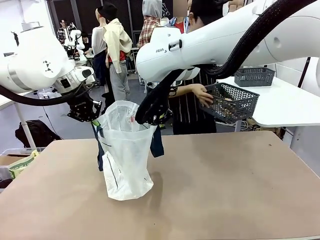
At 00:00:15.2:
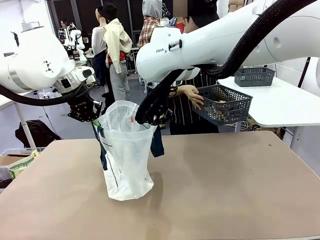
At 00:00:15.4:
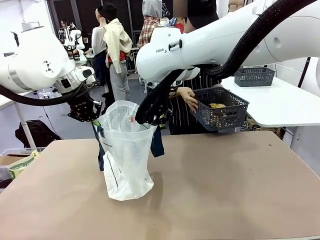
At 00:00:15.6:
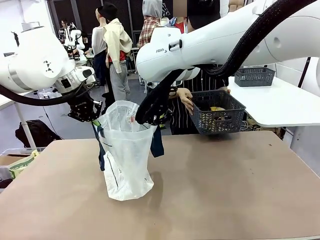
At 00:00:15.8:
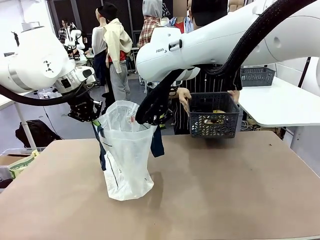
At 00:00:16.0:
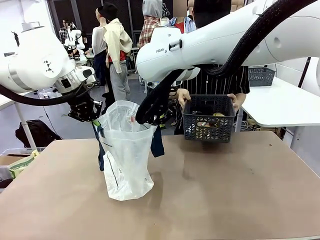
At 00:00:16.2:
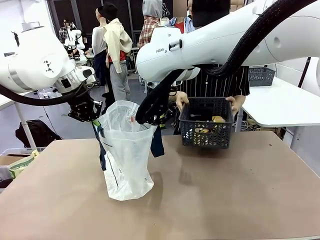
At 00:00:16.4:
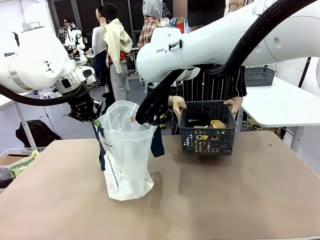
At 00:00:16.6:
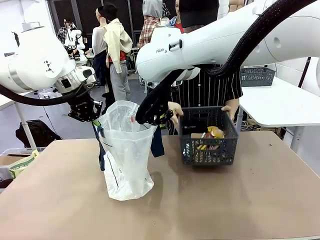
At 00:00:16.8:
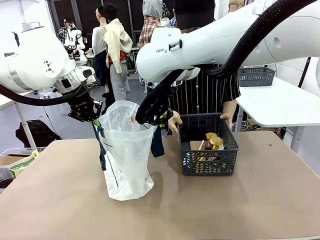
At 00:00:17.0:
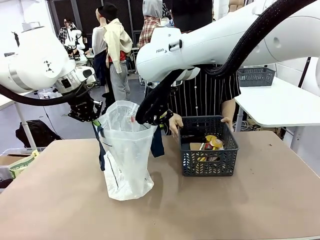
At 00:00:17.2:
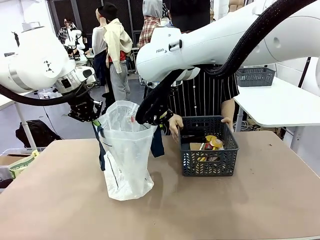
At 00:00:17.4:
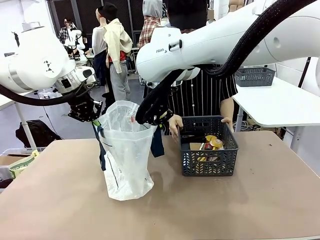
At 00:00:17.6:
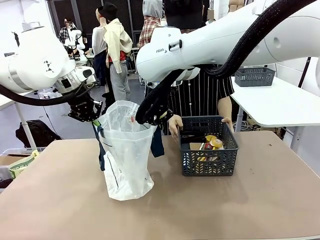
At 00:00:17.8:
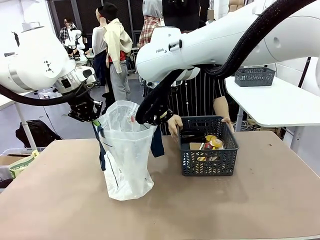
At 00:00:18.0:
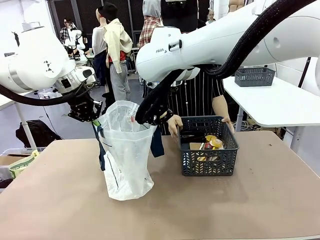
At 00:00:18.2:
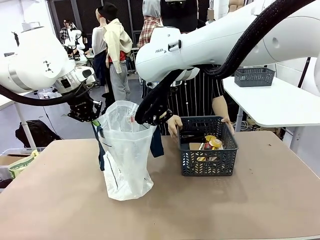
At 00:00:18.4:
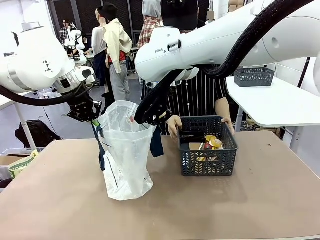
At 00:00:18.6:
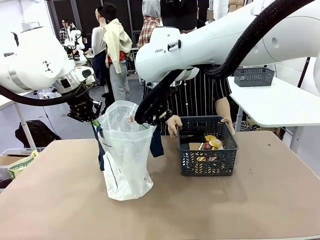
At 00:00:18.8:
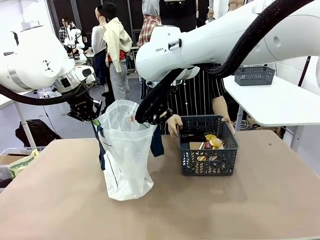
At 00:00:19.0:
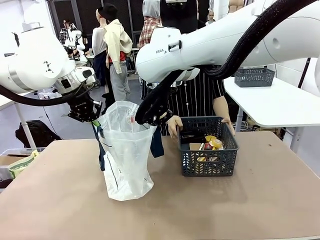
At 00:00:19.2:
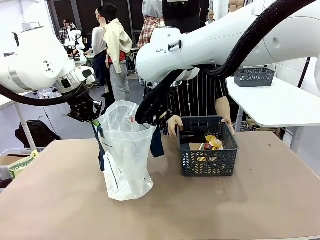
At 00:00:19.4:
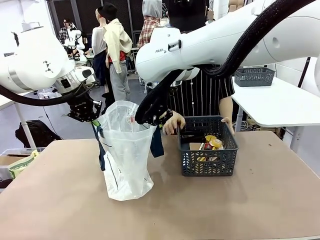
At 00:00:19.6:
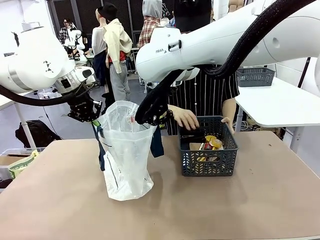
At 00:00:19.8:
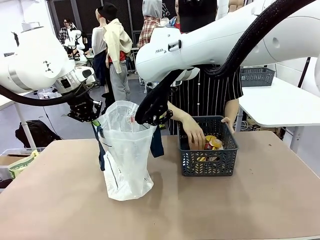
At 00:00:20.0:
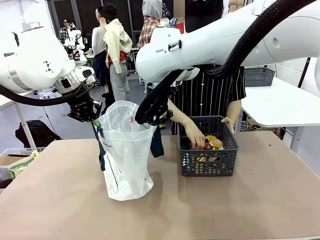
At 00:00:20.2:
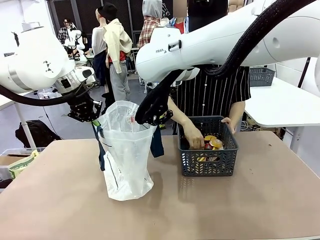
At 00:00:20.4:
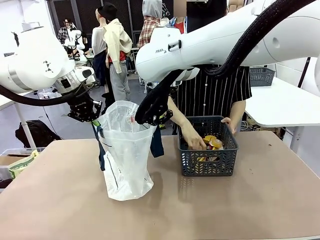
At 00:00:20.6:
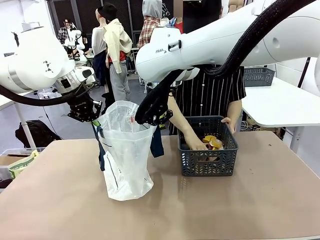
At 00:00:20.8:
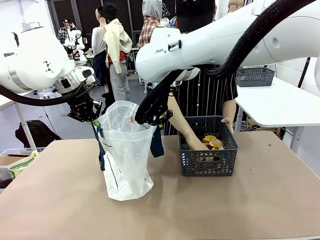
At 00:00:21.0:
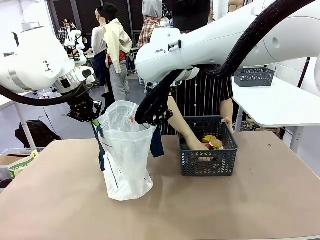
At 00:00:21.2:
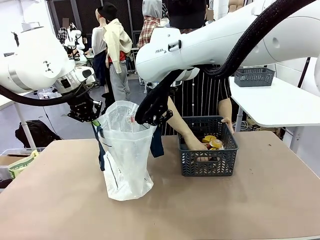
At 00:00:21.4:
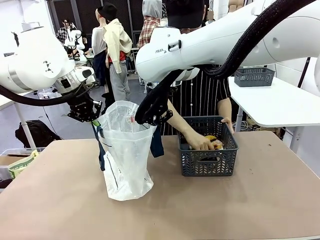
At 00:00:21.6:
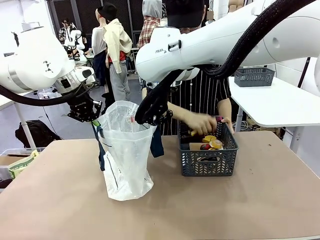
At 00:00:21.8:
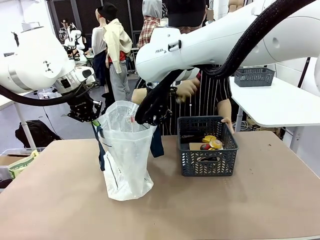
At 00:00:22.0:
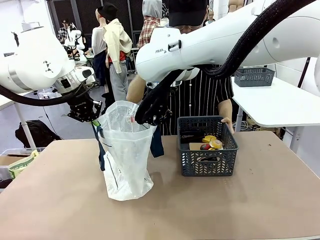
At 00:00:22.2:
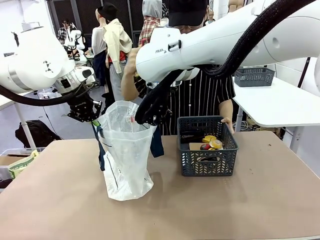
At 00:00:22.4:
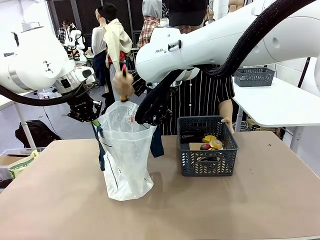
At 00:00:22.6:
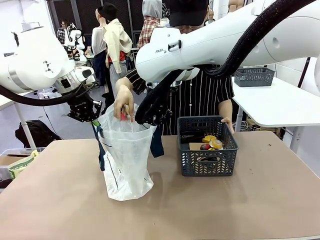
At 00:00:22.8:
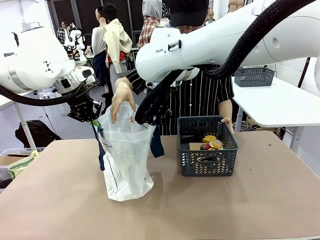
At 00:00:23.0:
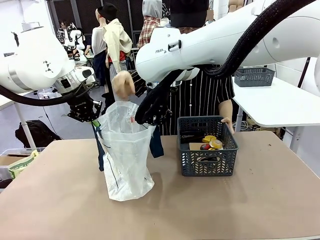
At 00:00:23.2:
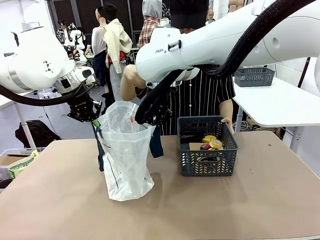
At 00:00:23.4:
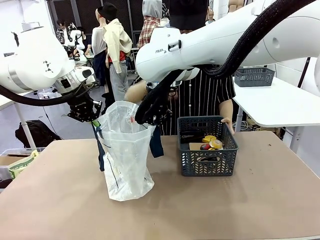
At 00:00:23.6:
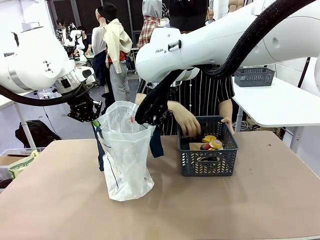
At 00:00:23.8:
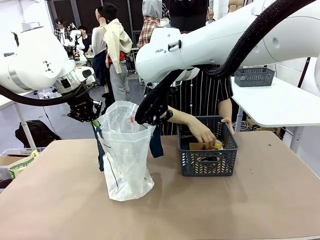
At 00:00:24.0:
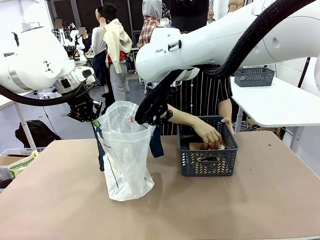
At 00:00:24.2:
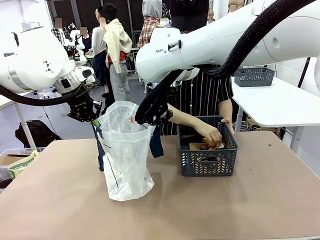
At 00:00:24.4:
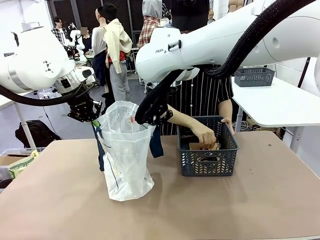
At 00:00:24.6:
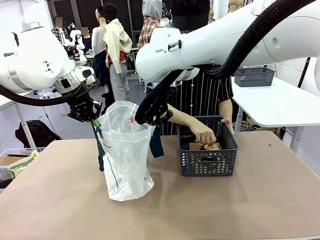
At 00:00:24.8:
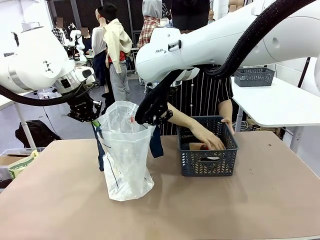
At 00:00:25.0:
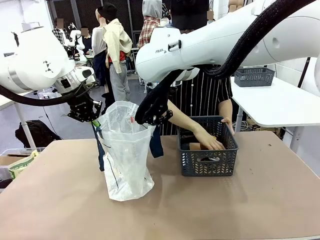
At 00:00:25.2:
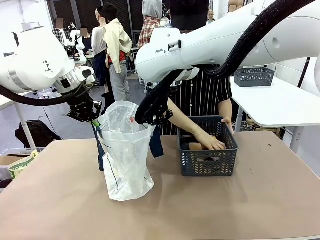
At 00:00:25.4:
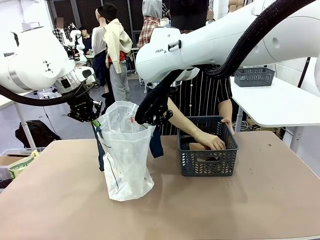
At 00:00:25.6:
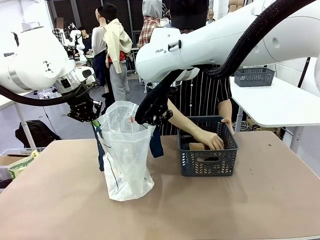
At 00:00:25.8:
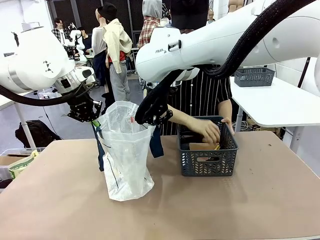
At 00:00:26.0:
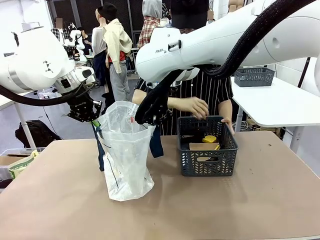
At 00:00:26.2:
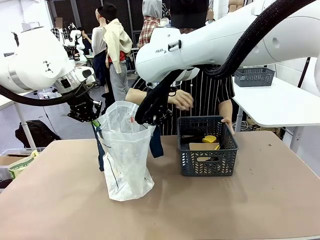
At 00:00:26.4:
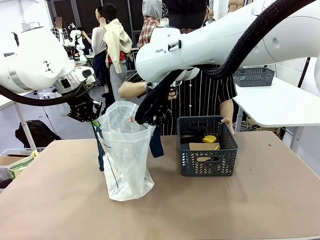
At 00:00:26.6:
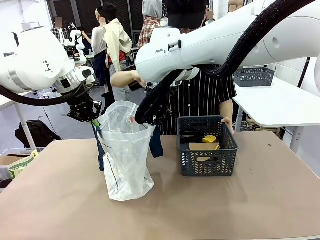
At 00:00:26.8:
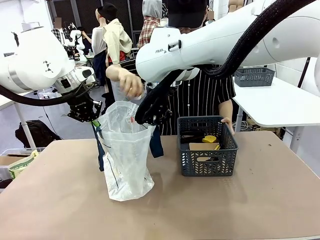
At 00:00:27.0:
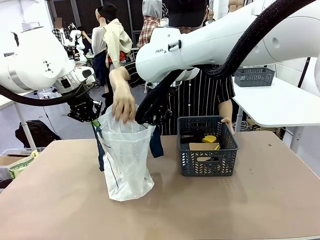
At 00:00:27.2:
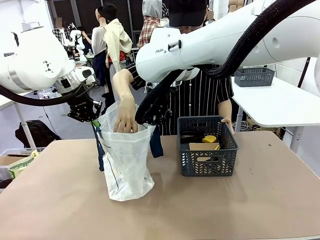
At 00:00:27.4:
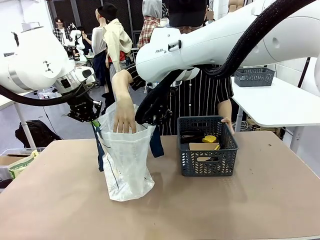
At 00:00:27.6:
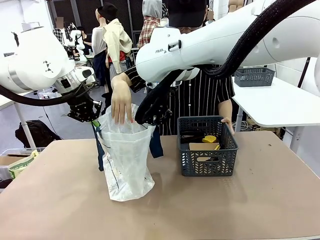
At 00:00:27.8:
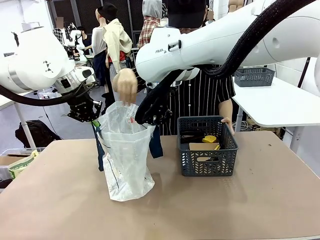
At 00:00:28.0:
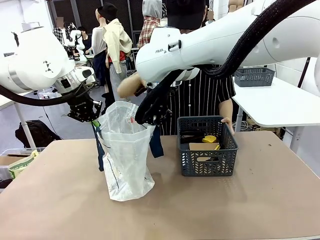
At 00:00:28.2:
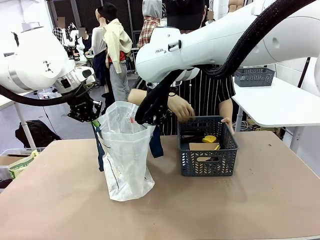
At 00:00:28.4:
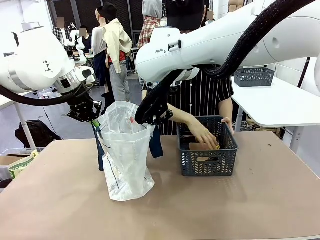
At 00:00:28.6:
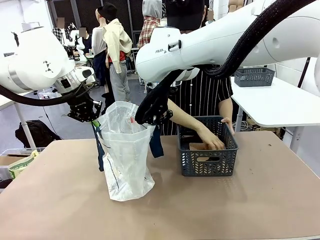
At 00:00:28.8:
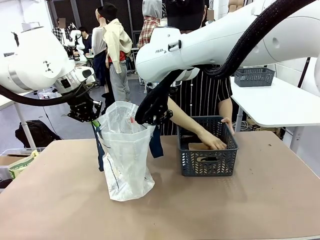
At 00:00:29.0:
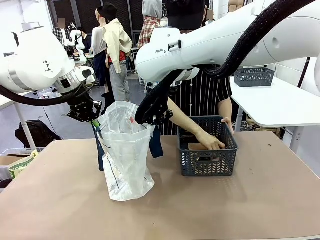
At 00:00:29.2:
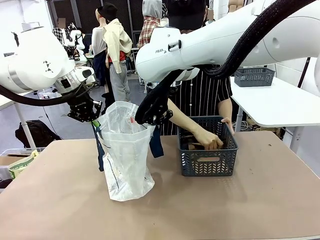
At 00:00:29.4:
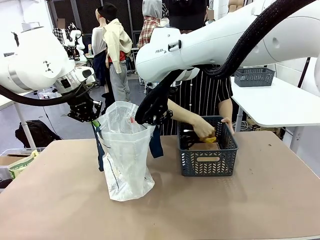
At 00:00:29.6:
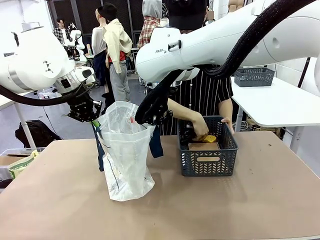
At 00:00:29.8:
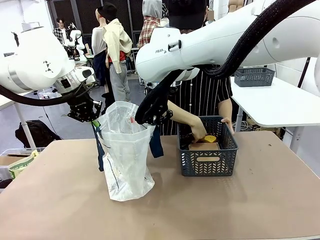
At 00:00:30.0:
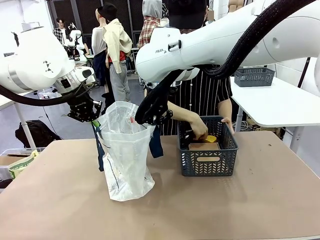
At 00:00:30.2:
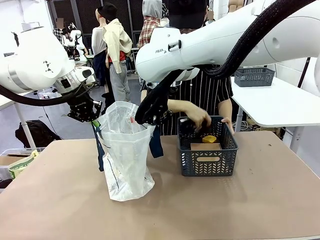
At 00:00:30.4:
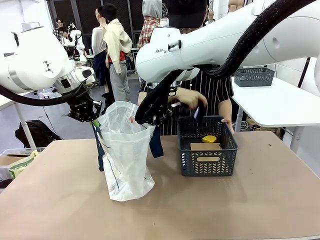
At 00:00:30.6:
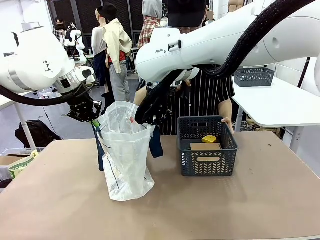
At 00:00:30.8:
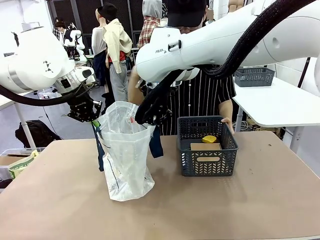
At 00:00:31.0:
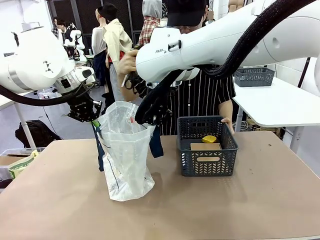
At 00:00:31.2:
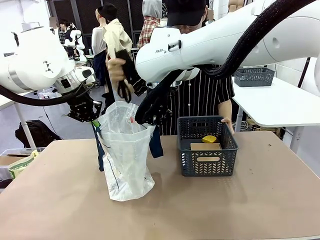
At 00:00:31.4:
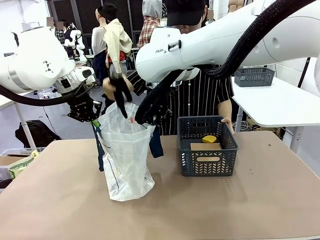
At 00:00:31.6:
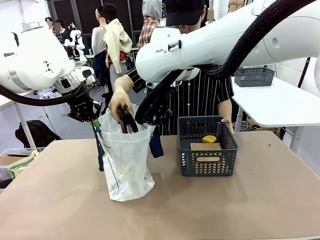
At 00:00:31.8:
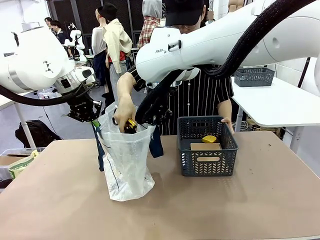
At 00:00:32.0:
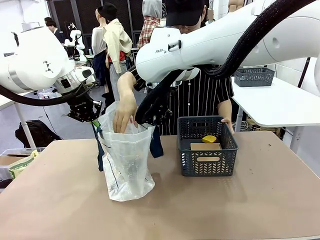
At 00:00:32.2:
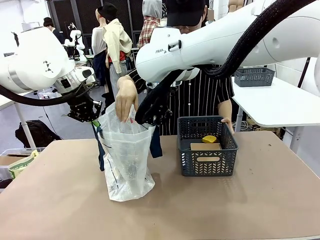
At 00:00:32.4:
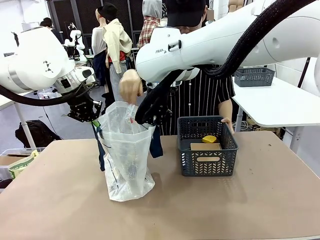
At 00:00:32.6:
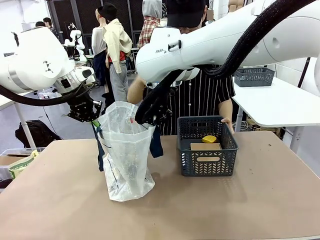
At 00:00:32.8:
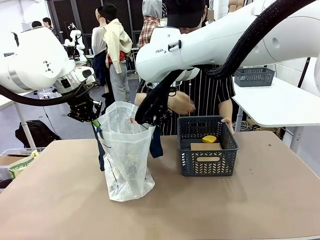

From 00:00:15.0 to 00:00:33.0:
Task: Transfer purchased items from the store into the shopping bag.
Robot: Move the Reusable shopping bag to the right side of the table.
